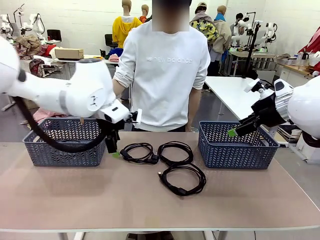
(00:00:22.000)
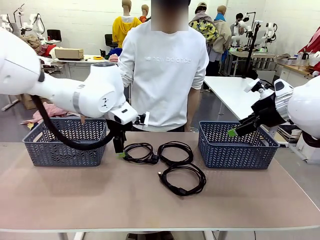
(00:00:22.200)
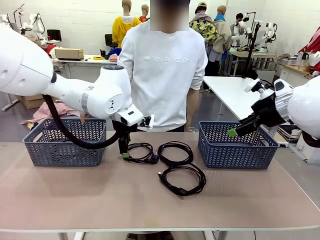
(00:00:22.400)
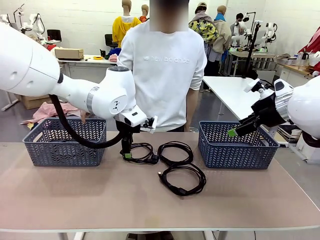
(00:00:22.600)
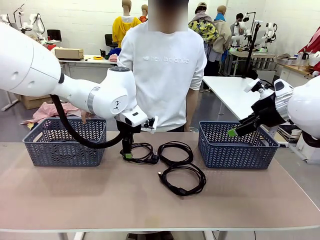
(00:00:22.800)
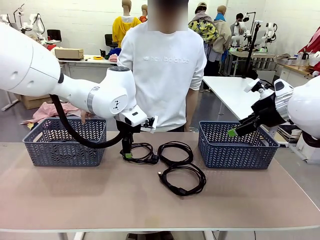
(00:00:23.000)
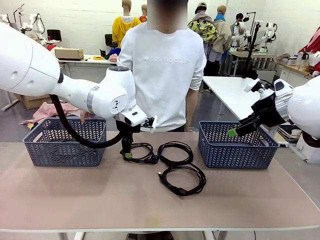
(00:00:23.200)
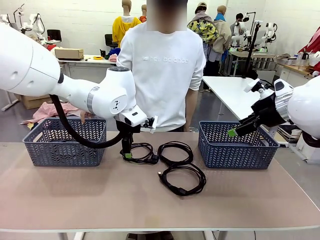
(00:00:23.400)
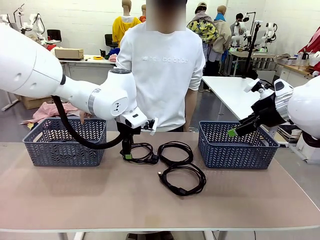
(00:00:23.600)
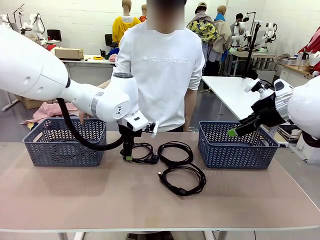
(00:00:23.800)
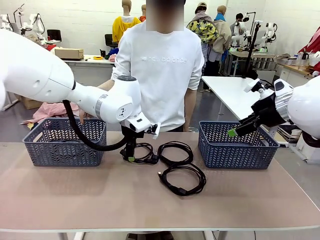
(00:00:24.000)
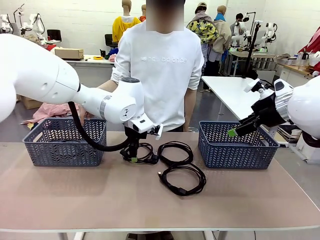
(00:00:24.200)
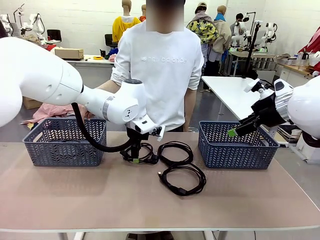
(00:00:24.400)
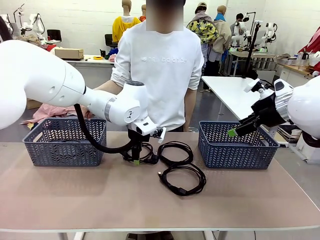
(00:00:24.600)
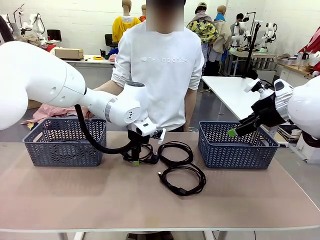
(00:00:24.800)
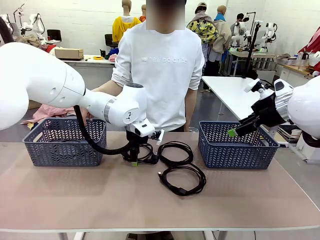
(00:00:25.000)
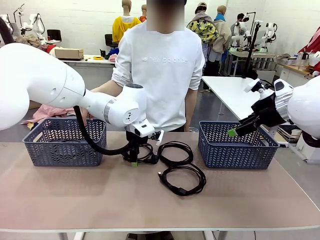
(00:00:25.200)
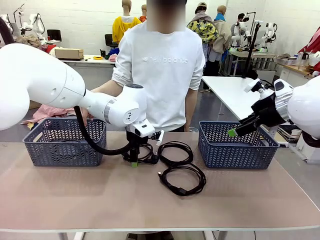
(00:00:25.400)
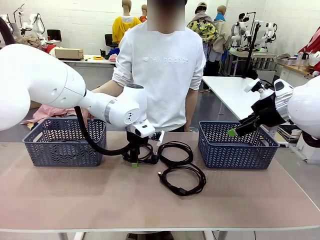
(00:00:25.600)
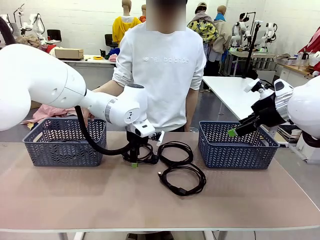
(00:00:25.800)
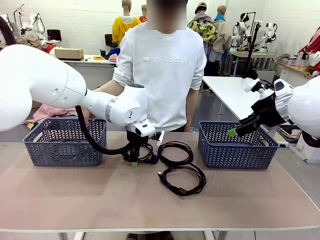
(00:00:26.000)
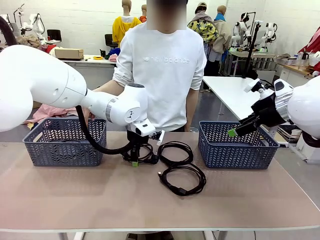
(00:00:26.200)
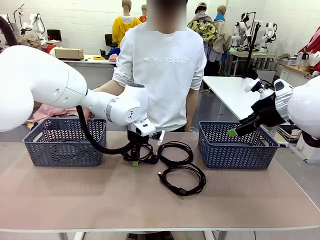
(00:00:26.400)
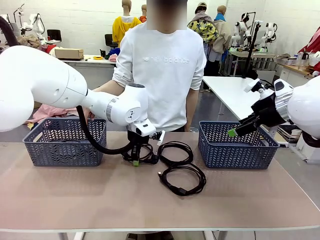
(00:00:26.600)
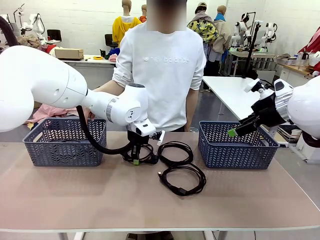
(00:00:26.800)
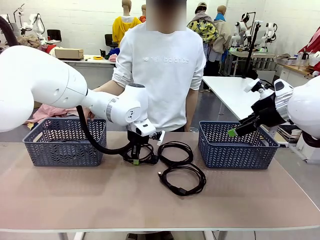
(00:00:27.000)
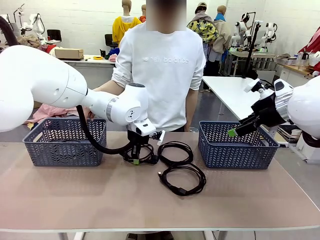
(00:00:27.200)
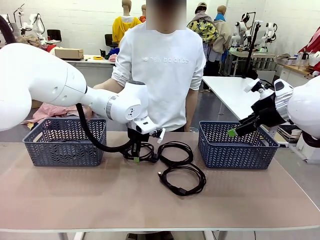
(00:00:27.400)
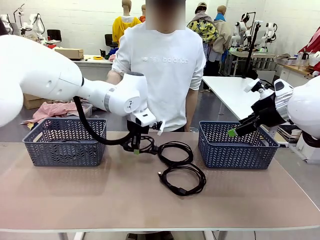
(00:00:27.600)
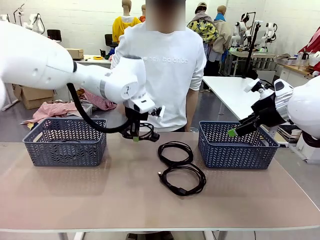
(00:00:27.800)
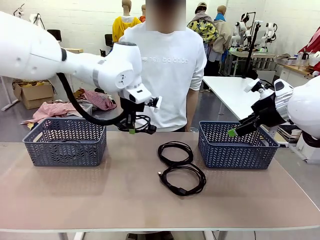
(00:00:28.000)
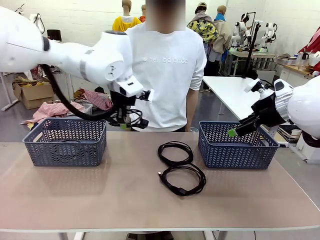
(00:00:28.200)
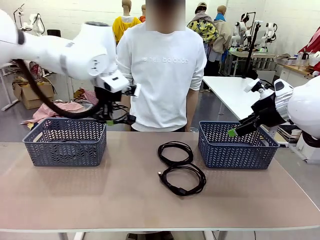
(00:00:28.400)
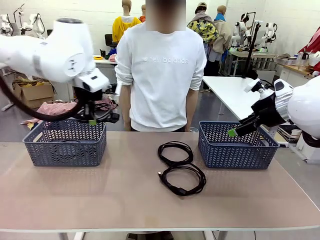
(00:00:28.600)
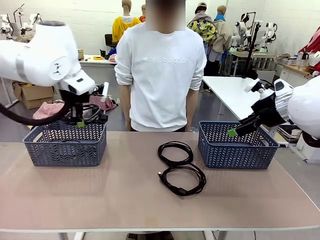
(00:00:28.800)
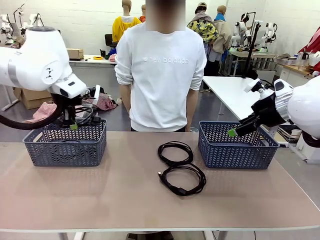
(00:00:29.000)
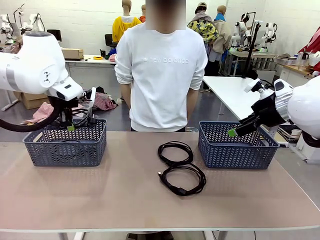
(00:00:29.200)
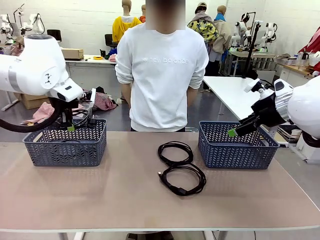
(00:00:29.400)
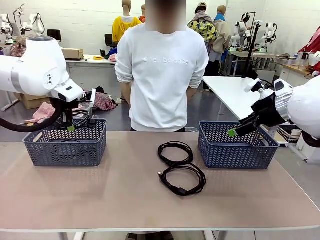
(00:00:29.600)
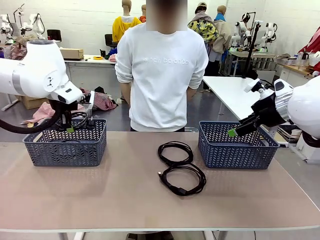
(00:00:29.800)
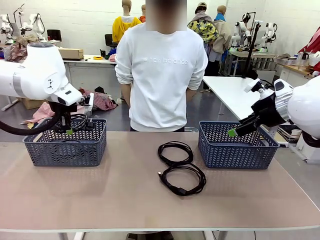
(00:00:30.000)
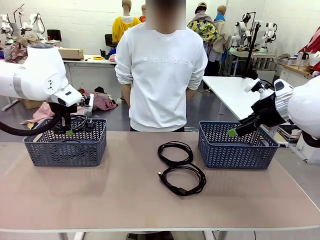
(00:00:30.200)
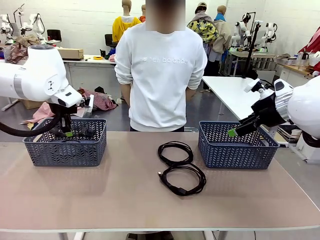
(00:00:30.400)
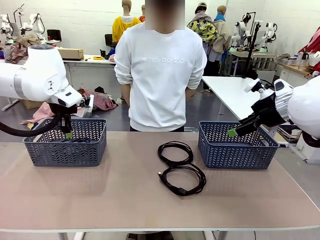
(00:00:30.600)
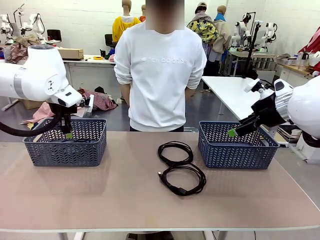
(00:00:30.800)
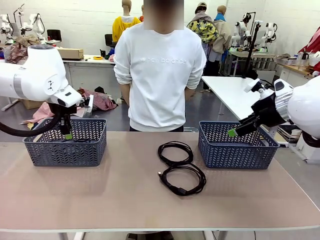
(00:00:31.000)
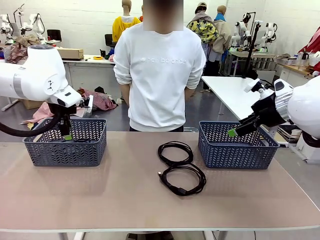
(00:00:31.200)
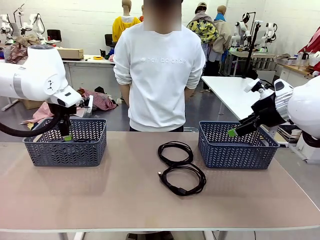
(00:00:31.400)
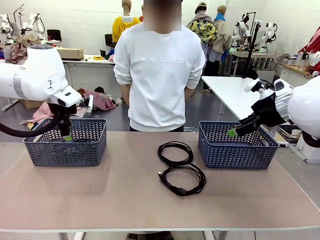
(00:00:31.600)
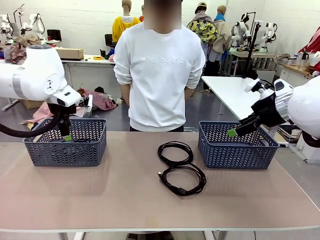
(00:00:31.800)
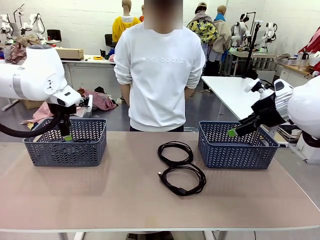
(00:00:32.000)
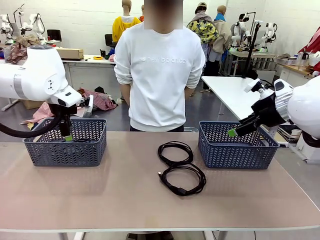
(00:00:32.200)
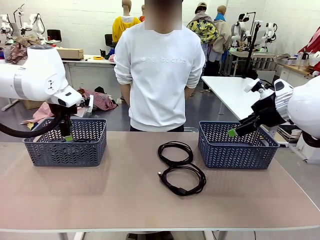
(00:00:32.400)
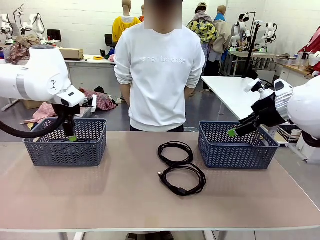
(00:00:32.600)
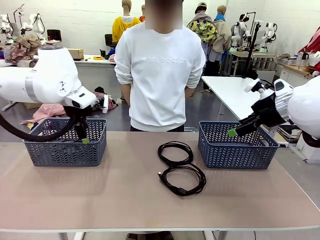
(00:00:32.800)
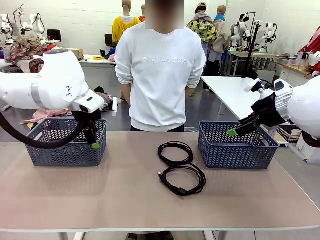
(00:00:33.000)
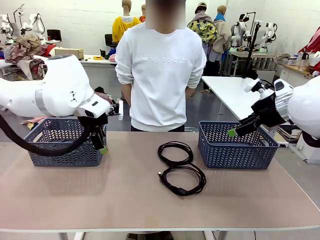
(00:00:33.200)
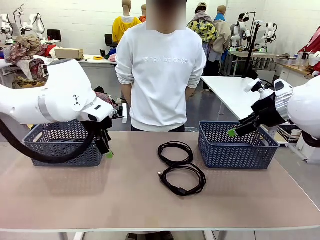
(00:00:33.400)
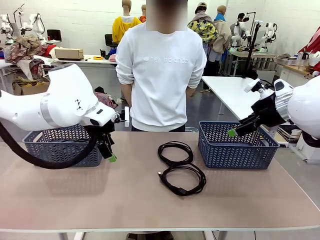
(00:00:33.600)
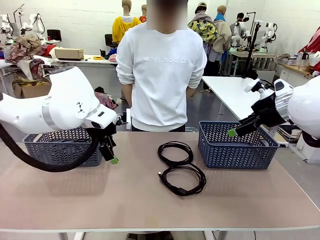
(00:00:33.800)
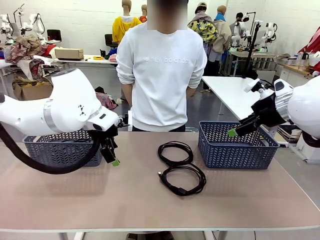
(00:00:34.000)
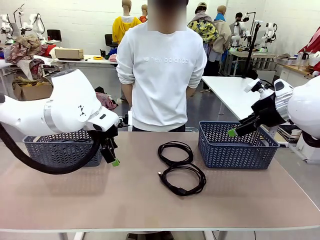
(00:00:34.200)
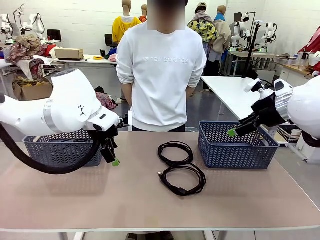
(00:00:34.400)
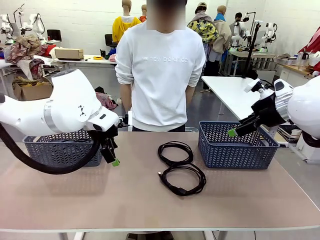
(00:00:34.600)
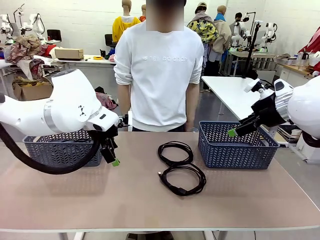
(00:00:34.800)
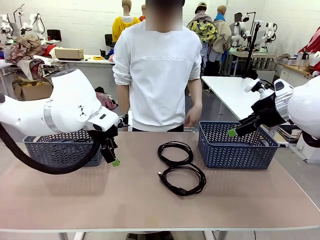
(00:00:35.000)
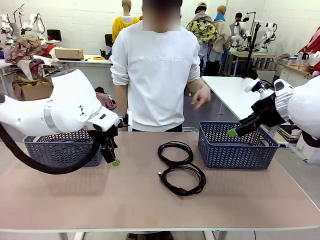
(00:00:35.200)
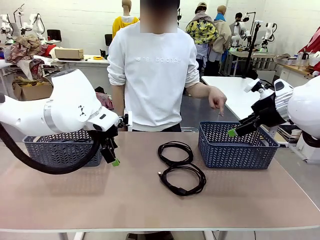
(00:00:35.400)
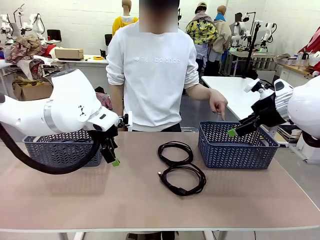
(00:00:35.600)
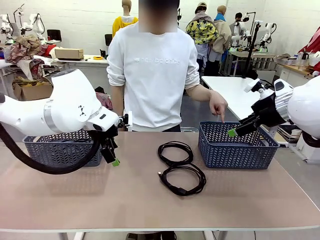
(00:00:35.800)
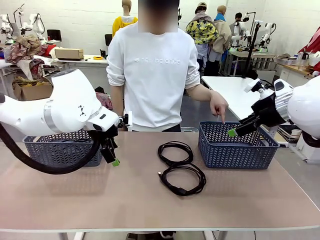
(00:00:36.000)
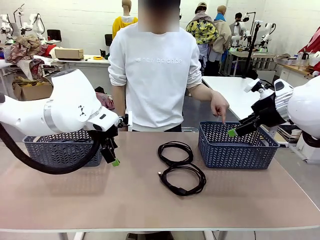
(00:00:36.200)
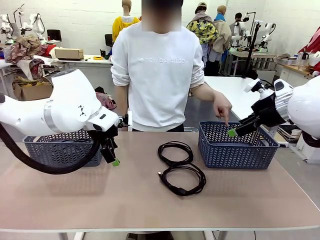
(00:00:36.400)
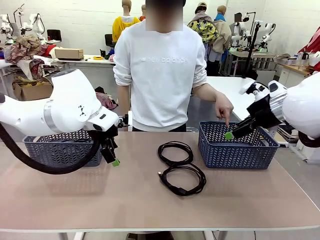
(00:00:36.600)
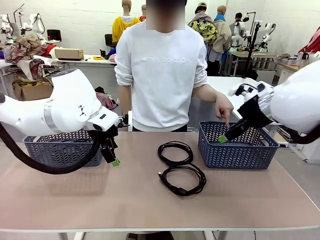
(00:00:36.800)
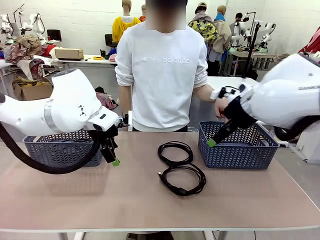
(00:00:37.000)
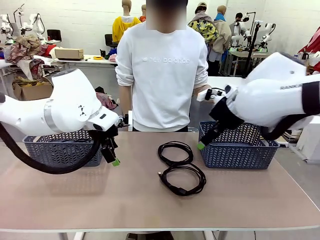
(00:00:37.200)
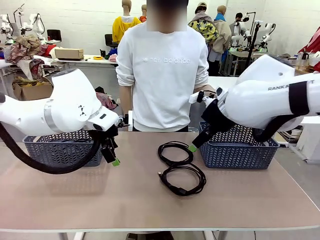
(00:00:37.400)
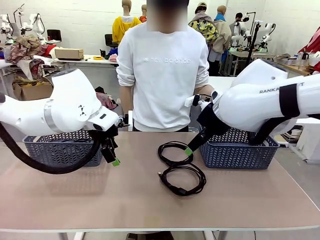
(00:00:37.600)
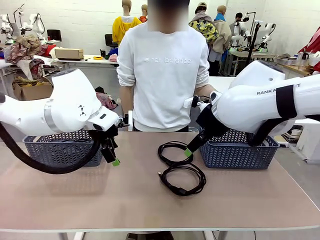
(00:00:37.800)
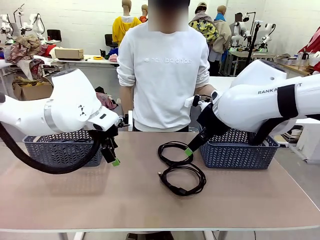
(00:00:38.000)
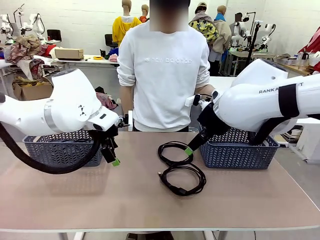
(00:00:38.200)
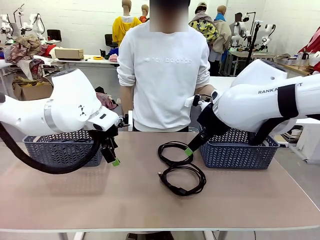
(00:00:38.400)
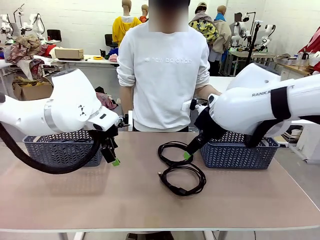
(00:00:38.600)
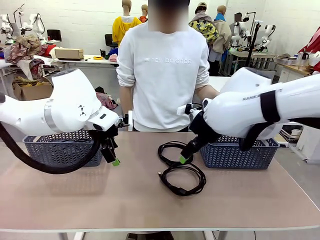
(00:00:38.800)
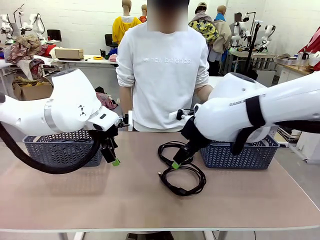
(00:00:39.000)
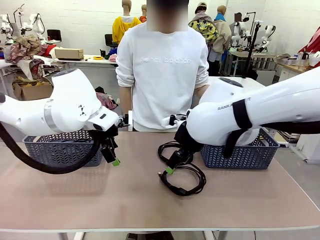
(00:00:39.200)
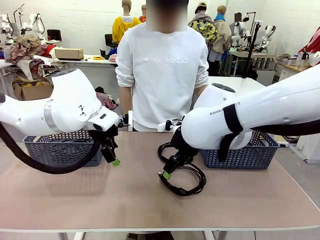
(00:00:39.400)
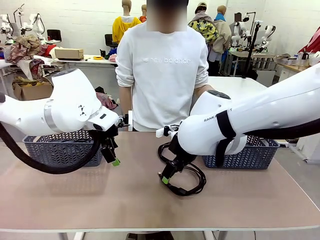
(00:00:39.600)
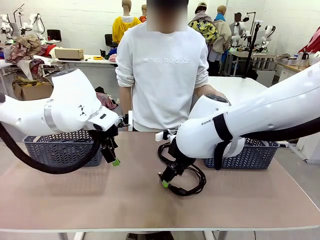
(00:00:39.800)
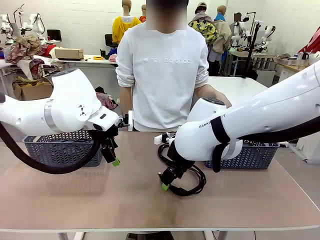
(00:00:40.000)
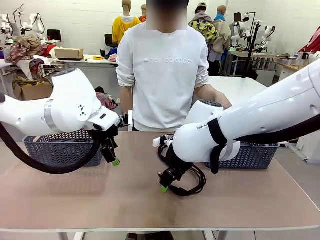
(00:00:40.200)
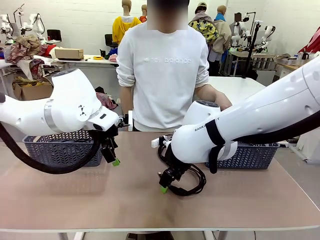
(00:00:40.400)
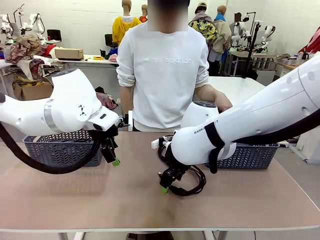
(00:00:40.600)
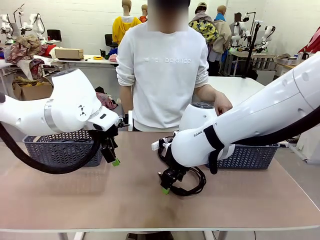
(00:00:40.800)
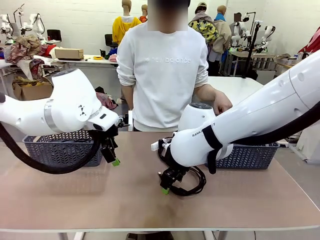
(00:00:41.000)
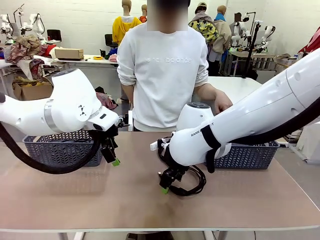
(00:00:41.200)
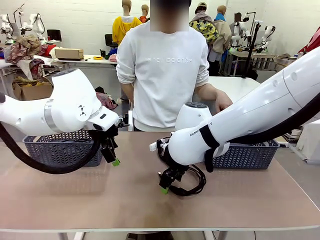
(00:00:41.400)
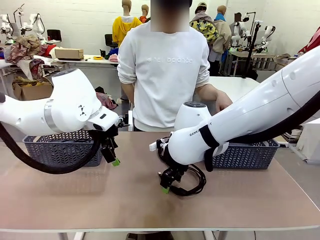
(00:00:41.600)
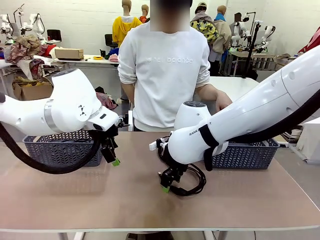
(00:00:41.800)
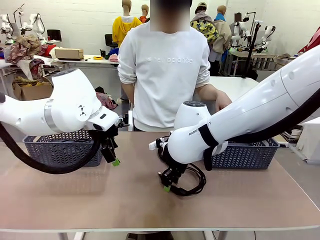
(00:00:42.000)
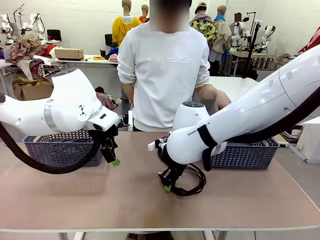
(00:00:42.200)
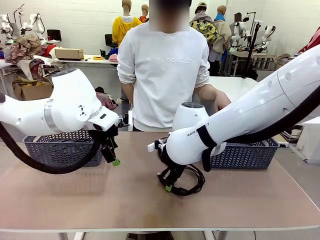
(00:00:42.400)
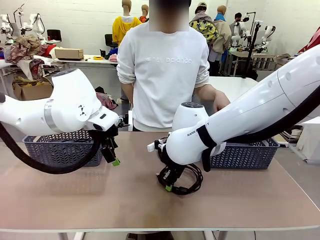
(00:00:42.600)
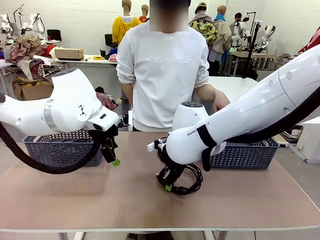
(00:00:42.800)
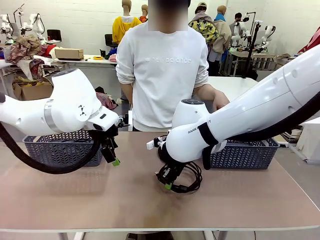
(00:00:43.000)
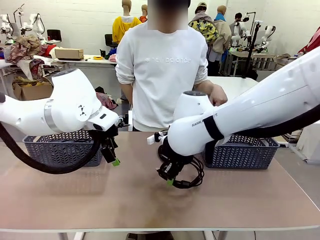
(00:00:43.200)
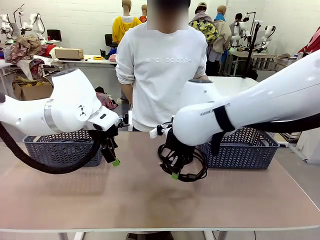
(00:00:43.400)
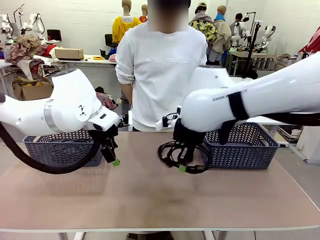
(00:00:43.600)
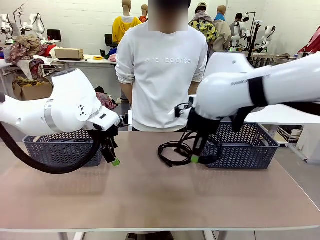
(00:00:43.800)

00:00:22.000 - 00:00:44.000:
Task: Organize the cables according to human instructions.
Robot: Pick up a bundle of cables and place it in the basket indicated by the human.
